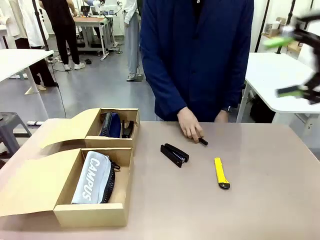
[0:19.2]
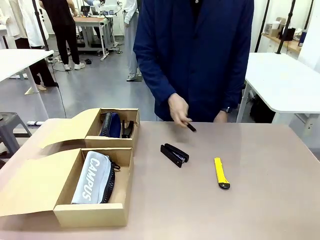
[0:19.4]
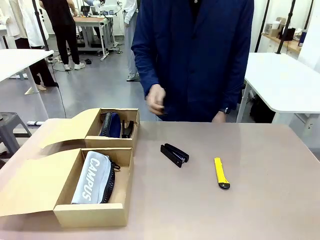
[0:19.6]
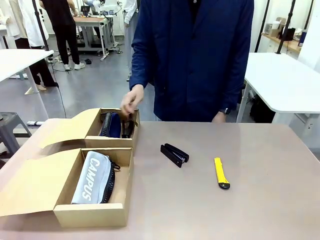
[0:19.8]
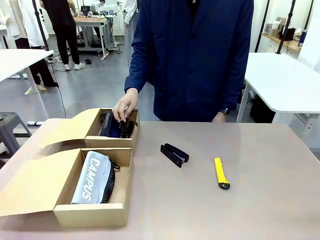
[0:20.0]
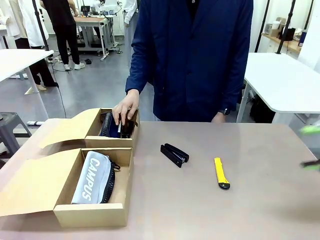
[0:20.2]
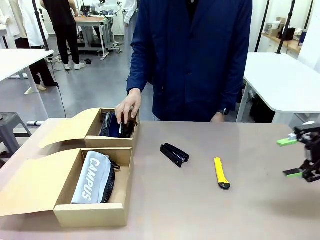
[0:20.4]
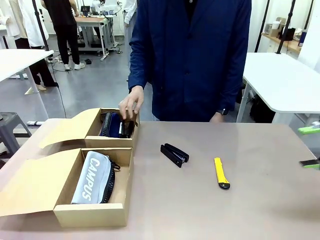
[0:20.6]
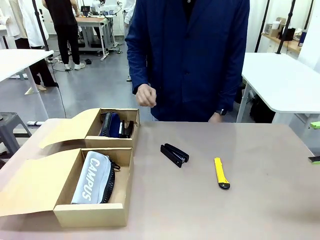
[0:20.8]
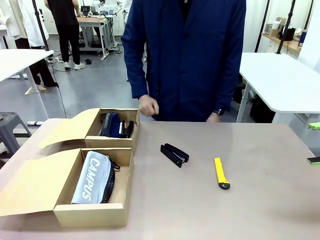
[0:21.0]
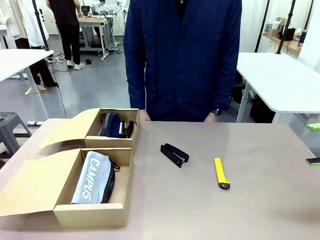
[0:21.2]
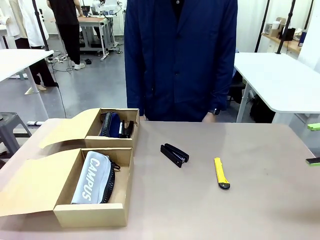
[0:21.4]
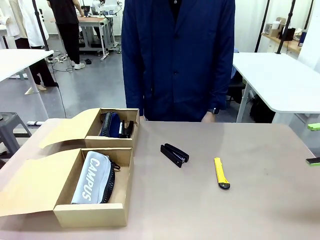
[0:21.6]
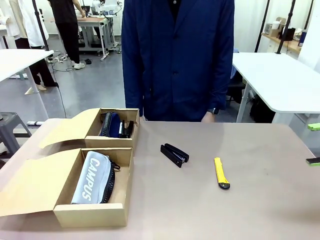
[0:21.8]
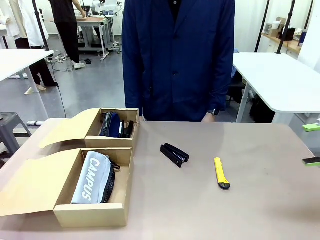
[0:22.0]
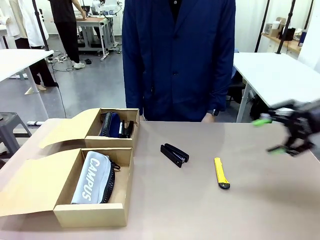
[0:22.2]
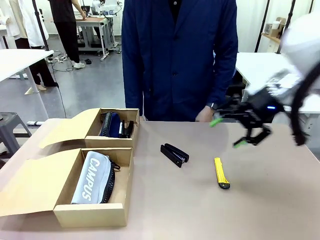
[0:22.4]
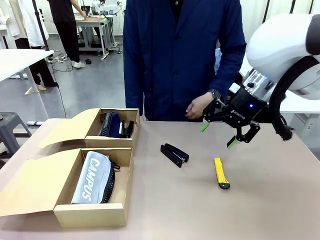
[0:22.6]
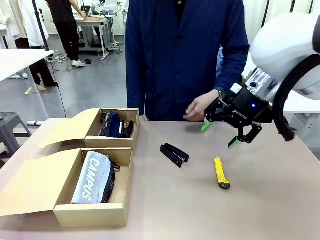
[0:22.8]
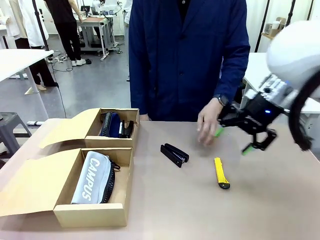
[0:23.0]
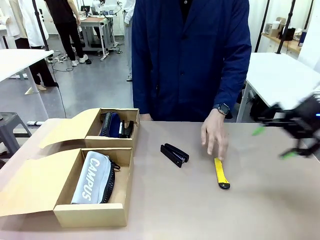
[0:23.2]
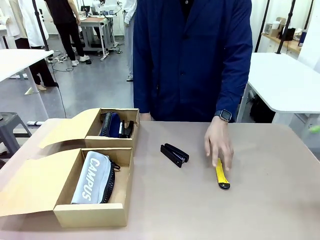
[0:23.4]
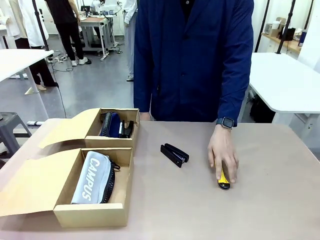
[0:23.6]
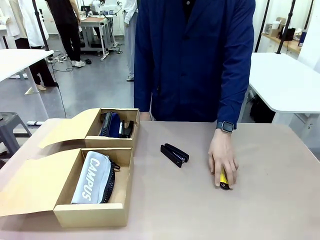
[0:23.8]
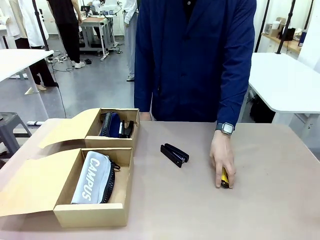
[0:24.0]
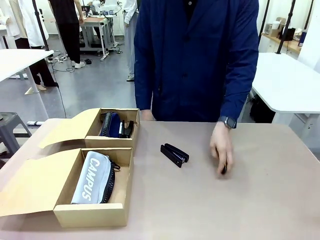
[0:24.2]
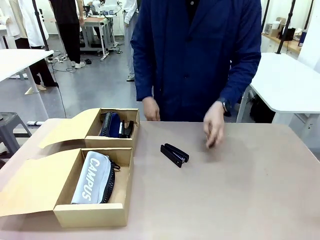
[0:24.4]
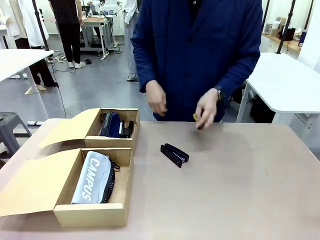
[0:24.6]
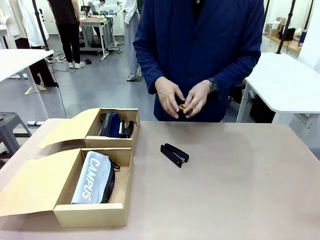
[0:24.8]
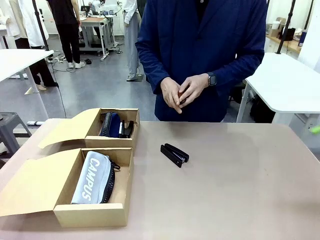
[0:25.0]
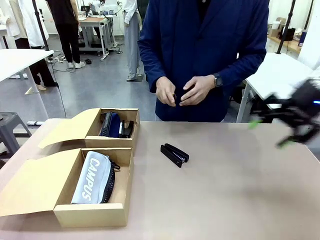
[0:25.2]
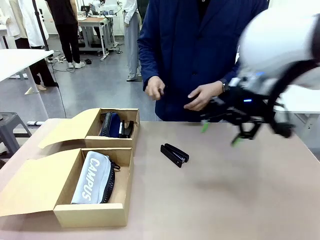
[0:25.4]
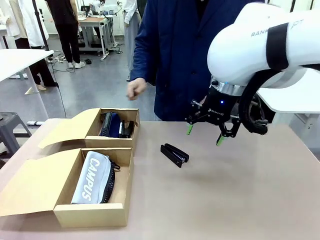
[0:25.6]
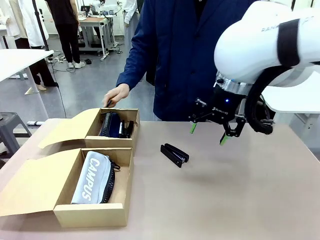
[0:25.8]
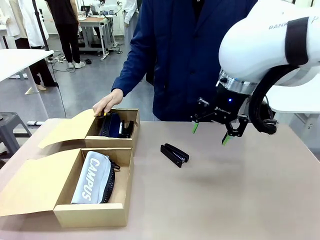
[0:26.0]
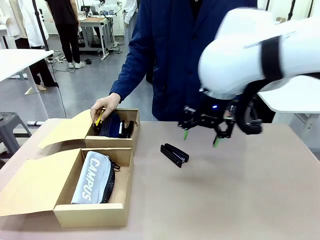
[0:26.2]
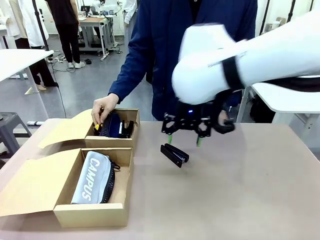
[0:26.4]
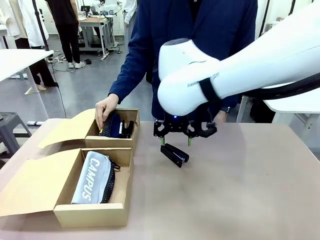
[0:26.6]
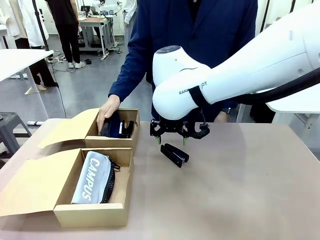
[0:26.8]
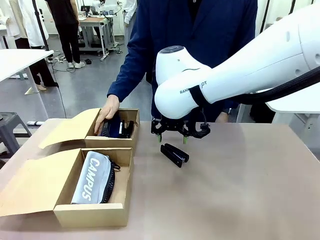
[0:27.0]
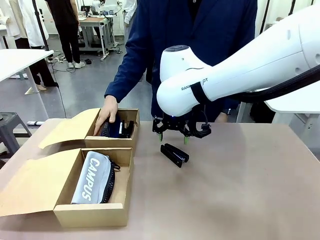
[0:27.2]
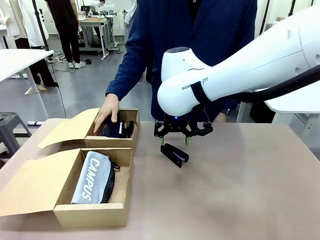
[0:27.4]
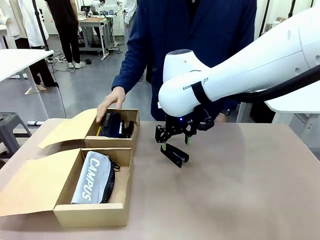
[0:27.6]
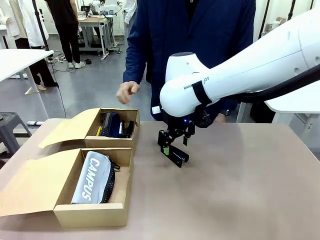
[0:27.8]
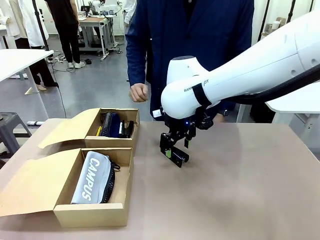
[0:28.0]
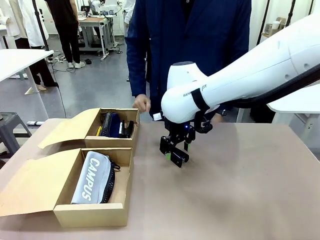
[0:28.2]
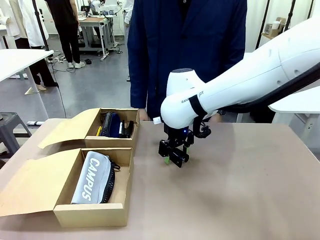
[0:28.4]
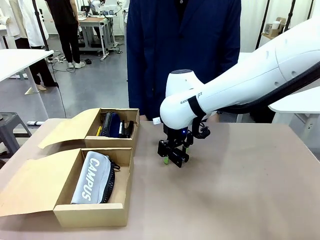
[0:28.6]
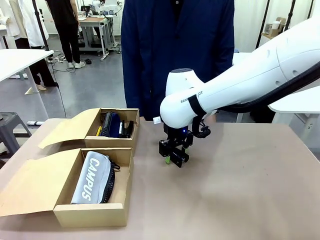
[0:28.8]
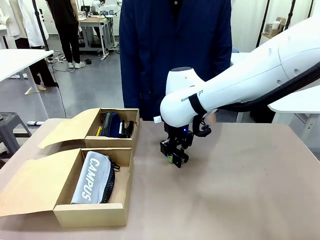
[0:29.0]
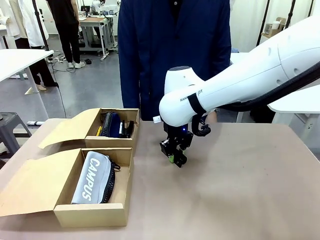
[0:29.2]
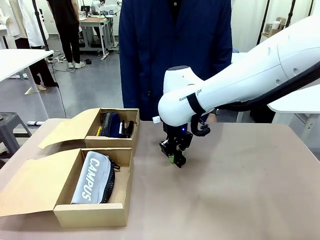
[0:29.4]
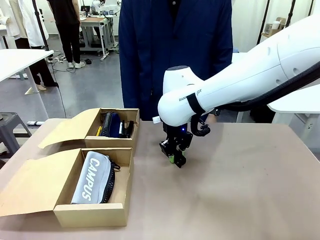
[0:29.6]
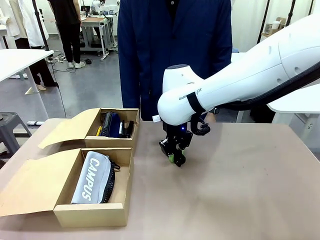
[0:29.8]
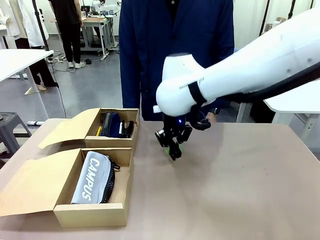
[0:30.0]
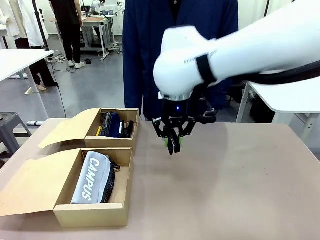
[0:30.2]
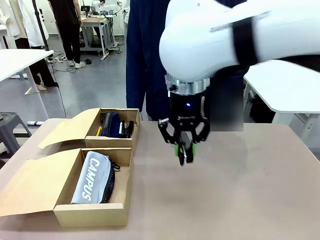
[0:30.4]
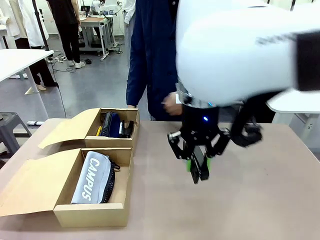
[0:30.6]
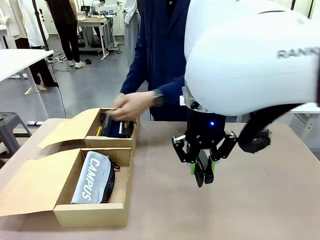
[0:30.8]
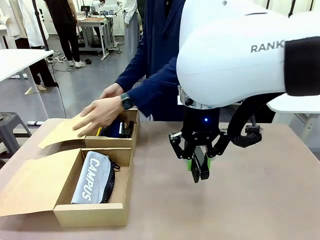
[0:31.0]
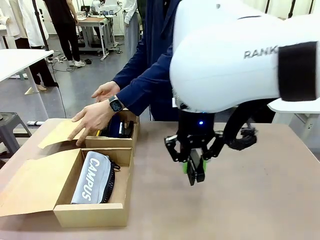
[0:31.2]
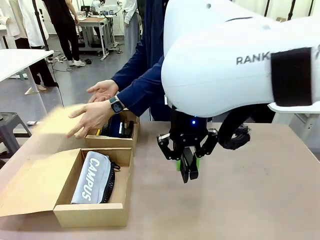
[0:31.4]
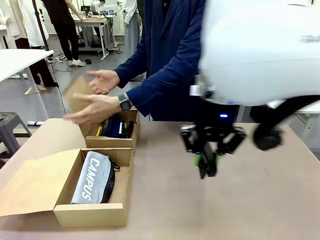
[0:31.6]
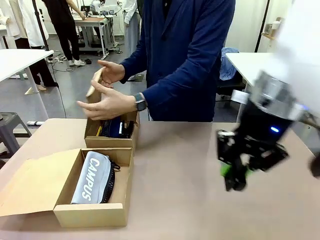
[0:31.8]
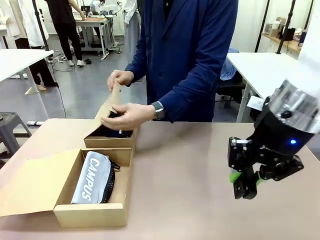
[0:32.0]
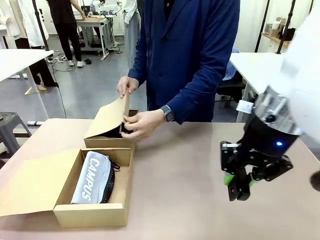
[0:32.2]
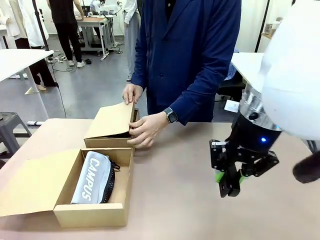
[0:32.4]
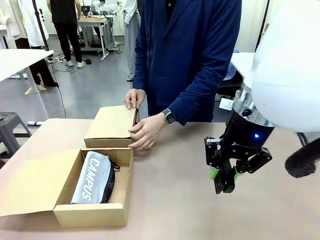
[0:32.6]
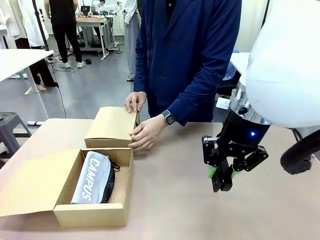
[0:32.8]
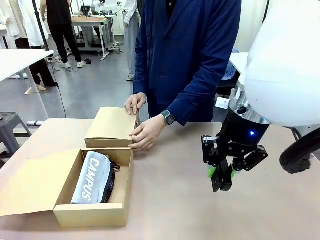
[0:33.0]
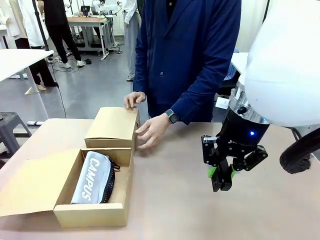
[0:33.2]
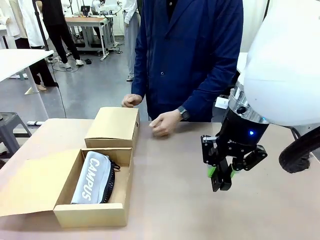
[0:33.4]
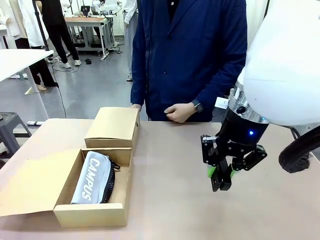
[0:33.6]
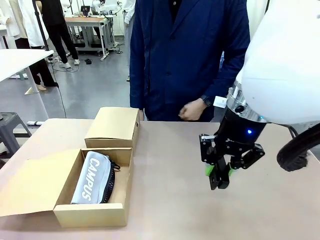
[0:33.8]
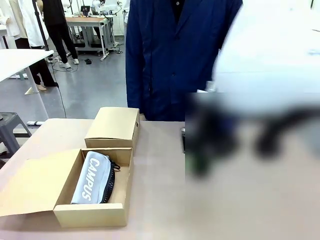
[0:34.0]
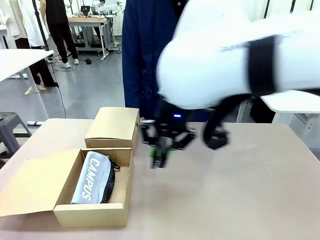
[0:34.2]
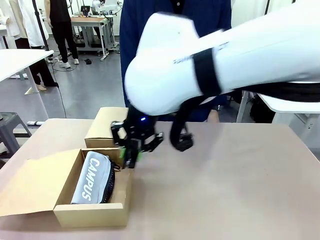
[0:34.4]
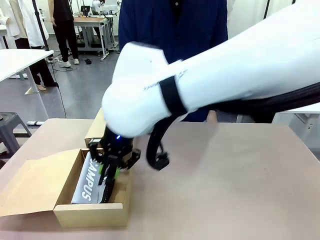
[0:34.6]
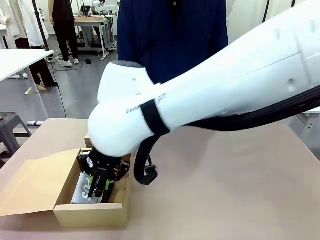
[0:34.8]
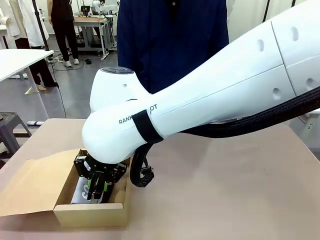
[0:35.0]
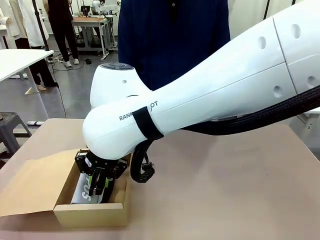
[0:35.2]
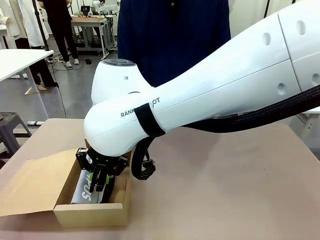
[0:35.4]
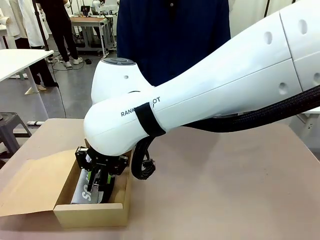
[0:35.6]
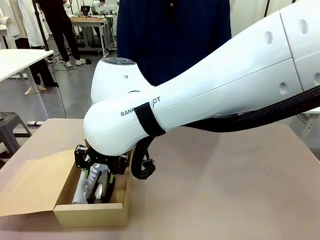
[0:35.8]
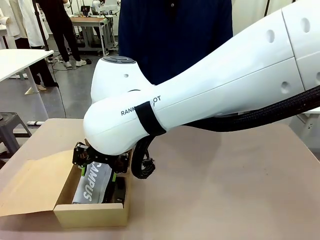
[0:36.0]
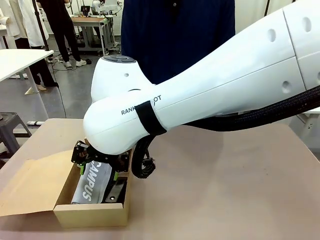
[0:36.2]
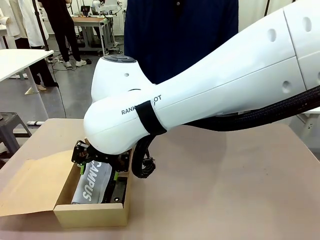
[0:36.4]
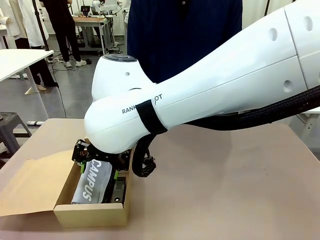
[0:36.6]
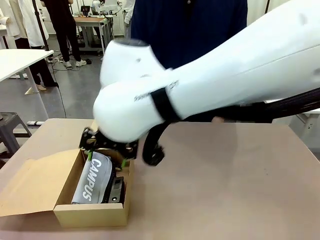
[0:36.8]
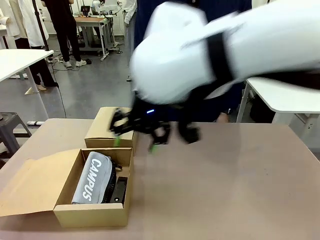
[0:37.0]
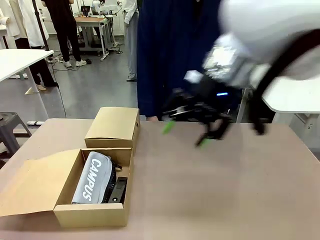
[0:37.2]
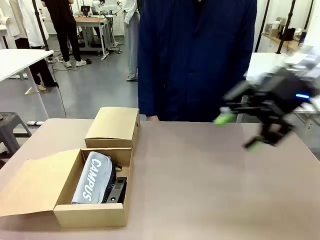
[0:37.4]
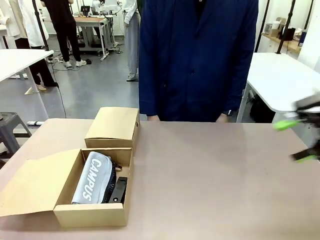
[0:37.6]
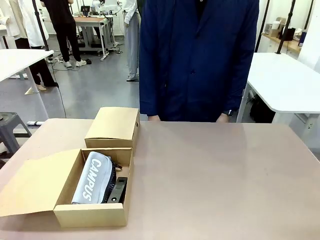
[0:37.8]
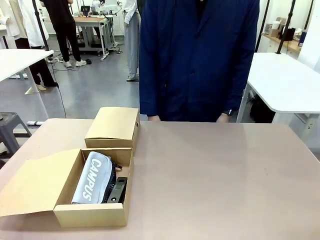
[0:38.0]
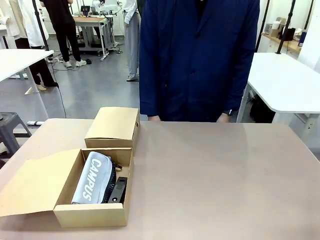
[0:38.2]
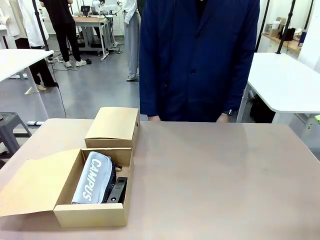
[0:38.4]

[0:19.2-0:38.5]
Task: Place items inside the box.
Robot: Pick up a Pencil pouch or Stapler and place it inside the Mailer Box closest to the robot.
